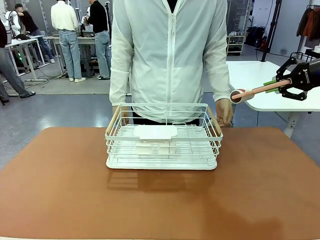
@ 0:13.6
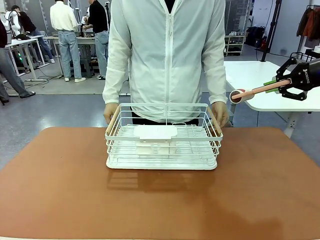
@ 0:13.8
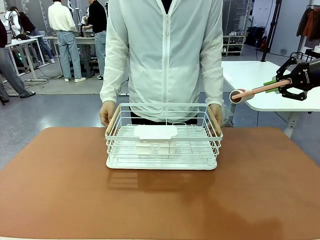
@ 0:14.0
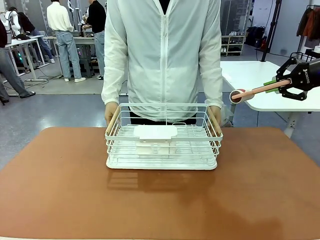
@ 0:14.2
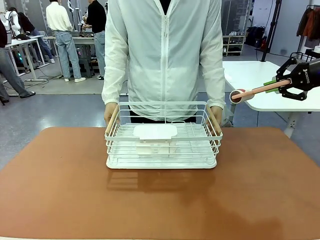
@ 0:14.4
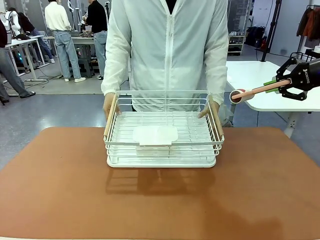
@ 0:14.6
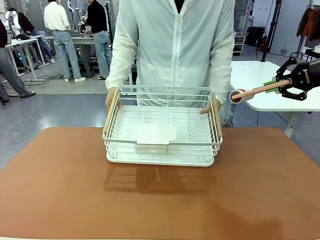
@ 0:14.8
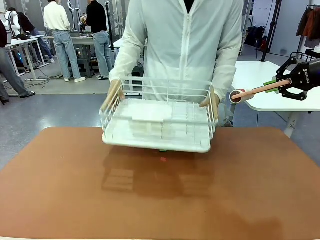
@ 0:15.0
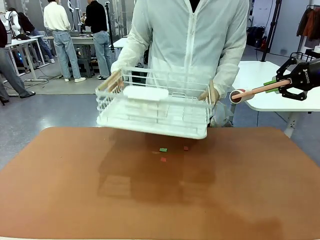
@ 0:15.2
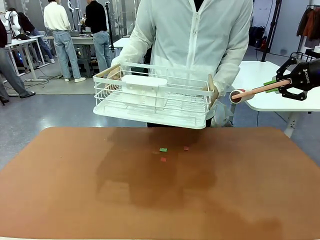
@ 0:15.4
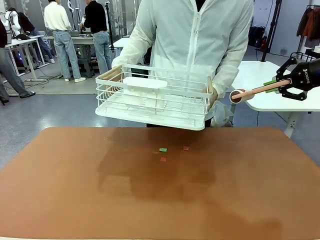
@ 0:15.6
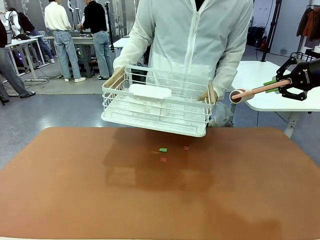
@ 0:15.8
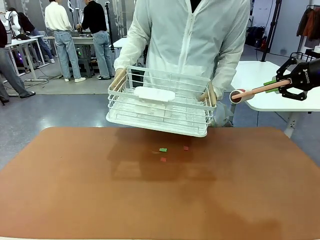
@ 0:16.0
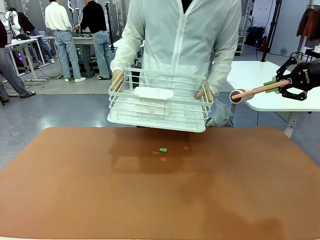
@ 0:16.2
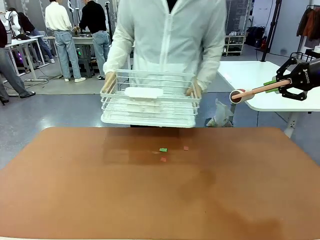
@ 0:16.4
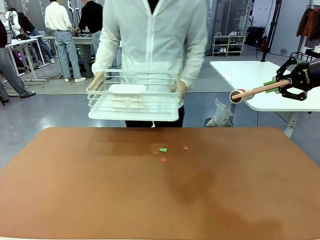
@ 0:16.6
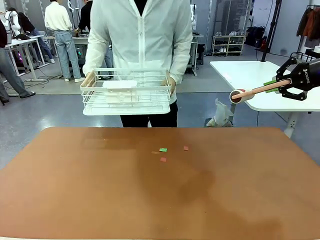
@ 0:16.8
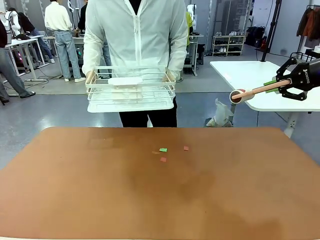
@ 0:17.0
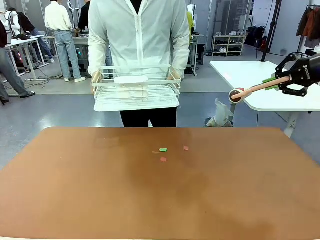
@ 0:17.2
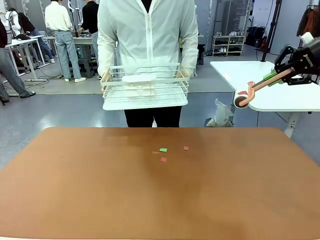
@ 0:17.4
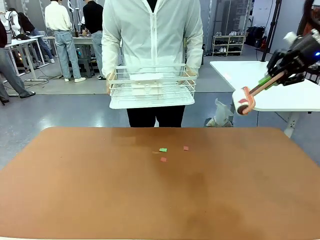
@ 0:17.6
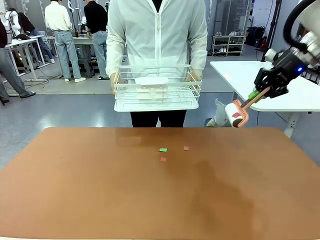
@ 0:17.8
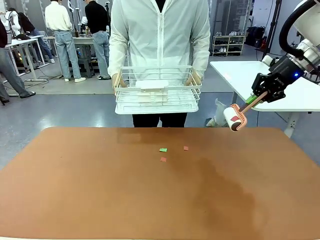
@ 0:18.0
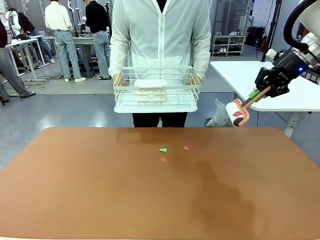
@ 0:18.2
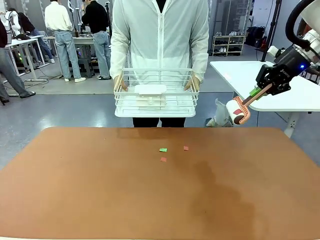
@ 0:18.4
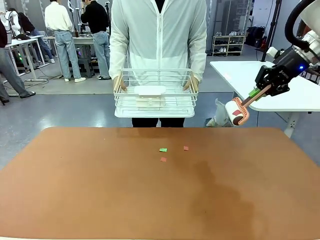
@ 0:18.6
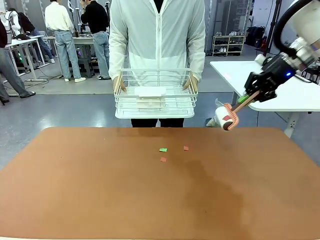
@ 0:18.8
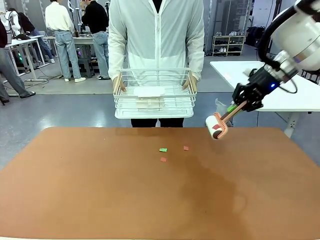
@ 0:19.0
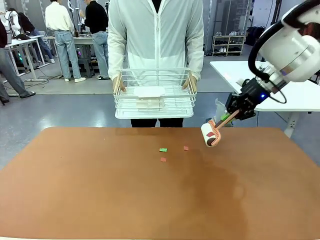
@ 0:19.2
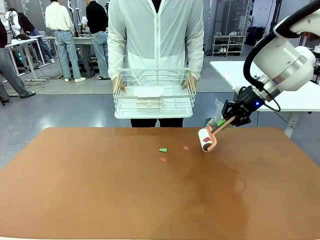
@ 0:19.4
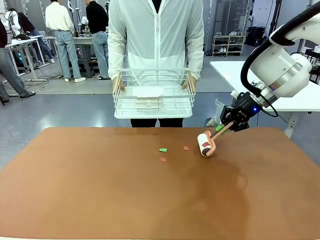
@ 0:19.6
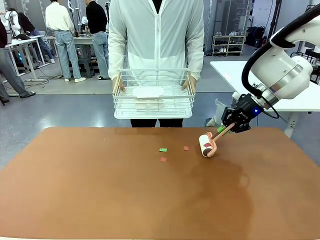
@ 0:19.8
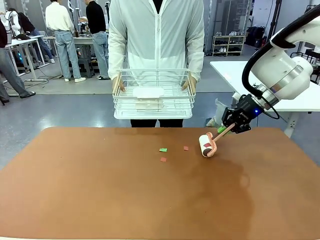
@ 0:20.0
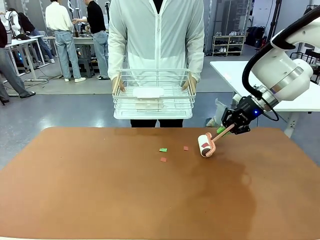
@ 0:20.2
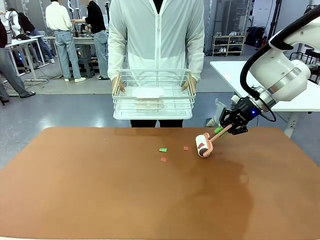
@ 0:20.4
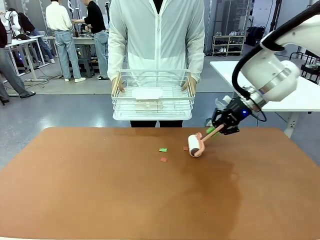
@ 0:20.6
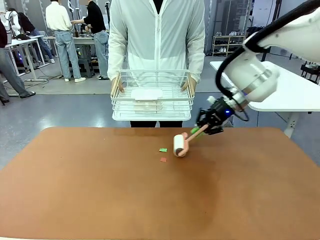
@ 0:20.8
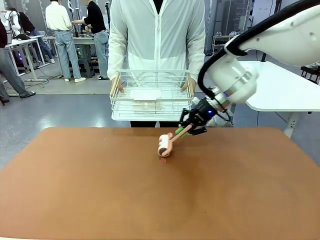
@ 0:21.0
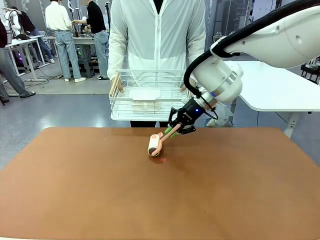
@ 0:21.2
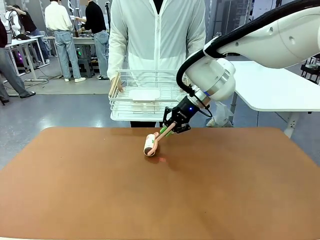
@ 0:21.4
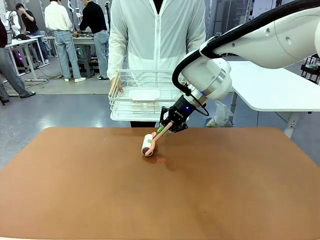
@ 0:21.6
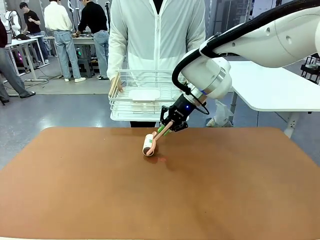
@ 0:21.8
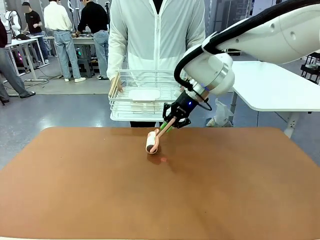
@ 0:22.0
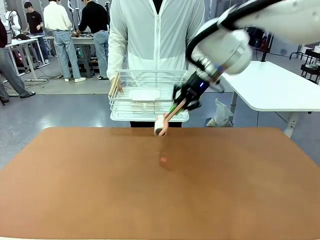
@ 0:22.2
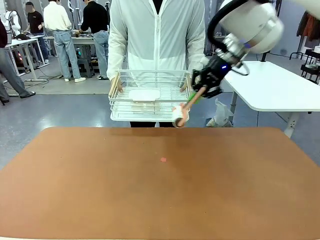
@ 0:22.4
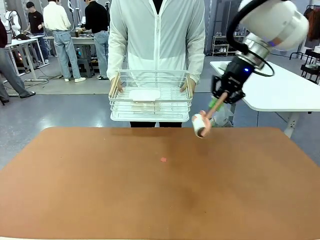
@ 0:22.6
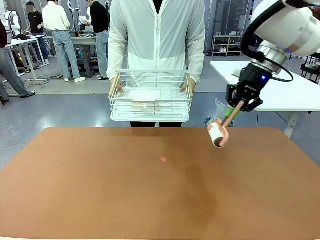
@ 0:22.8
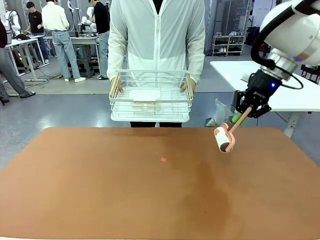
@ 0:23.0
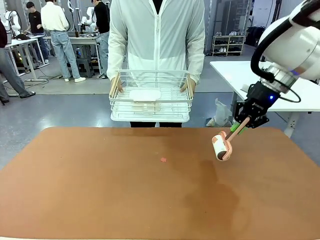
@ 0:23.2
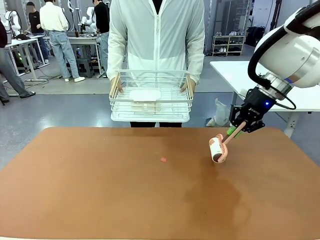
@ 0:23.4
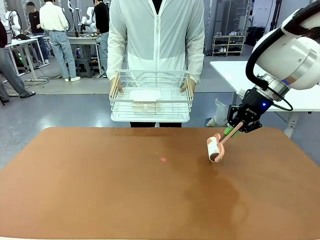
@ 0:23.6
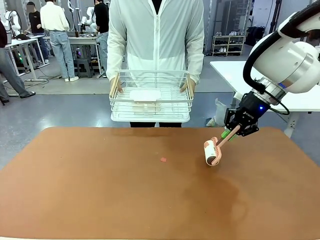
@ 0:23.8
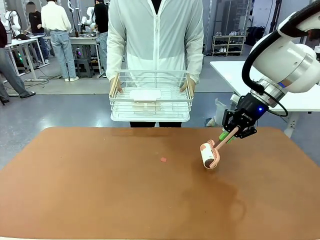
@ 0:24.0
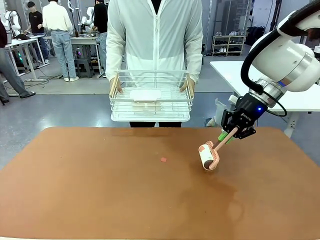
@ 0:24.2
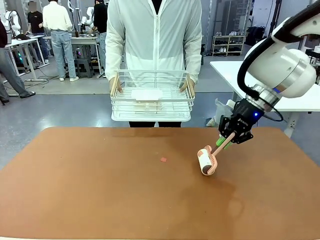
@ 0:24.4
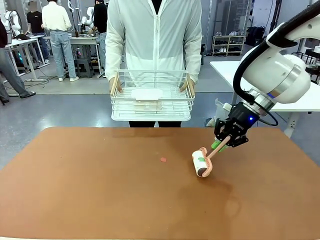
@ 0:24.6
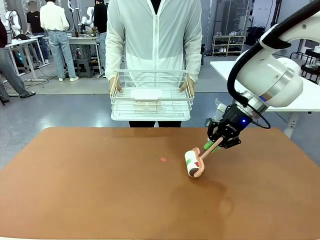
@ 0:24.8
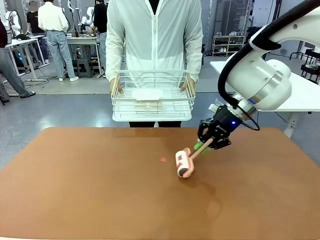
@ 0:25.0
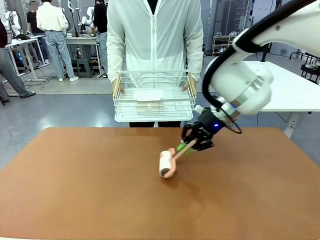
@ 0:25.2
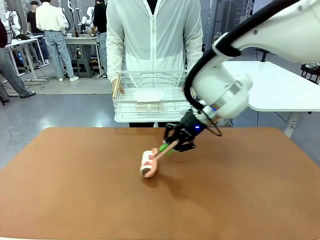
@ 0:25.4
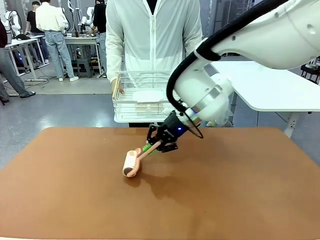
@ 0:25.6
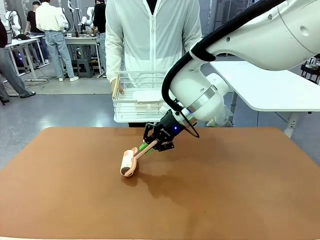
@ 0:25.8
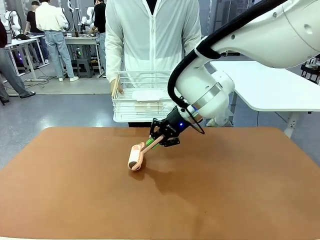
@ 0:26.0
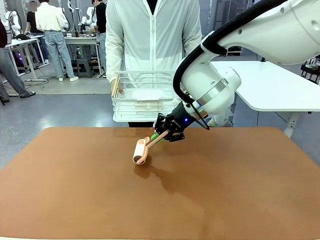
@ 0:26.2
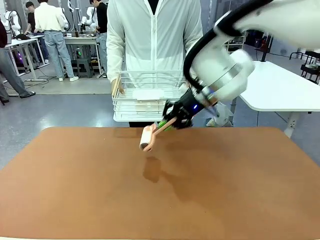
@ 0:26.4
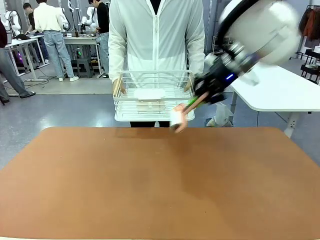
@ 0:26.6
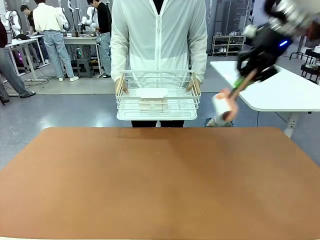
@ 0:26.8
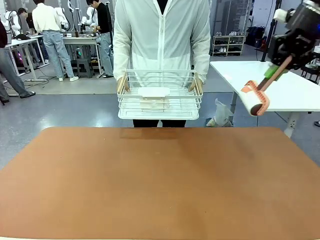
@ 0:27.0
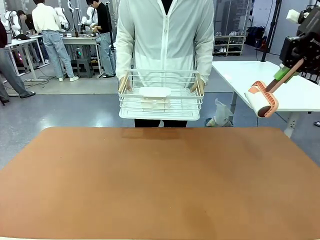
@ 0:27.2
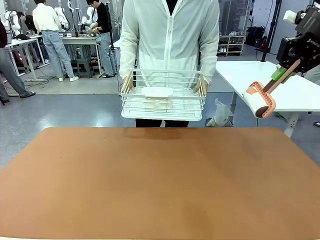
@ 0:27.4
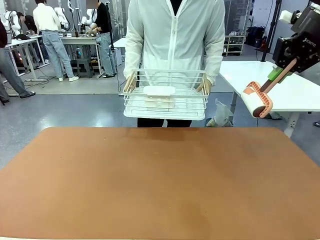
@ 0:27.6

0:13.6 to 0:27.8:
Task: Clean the table.
Robot: Clean the table with the Lint Roller when the human lifts the Dish drying rack.
Person: Place the Dish drying rack down when the robot finishes cleaning.

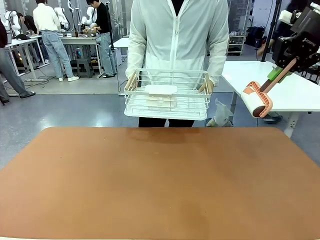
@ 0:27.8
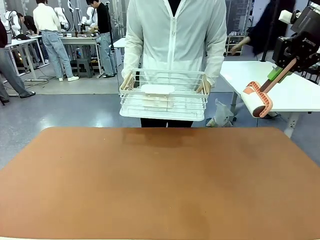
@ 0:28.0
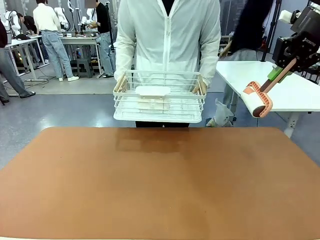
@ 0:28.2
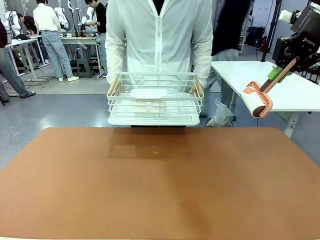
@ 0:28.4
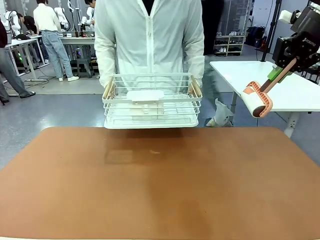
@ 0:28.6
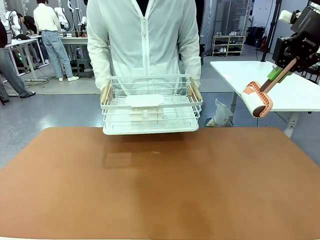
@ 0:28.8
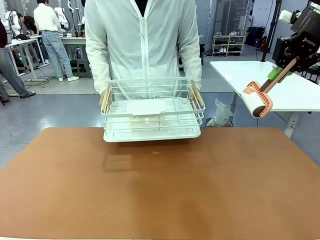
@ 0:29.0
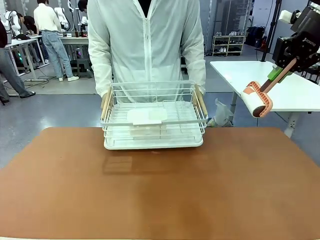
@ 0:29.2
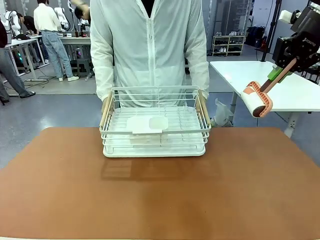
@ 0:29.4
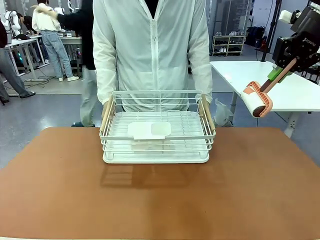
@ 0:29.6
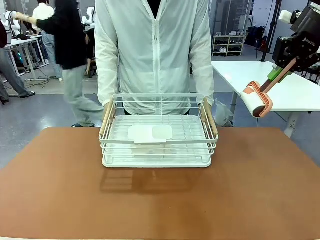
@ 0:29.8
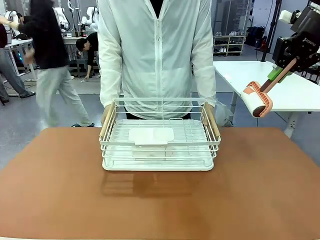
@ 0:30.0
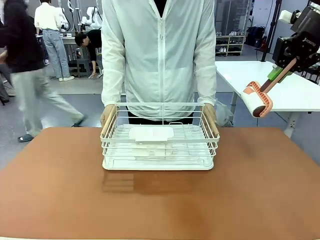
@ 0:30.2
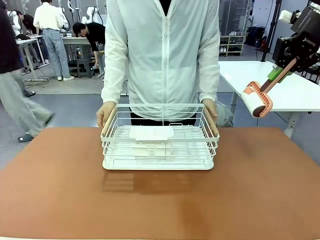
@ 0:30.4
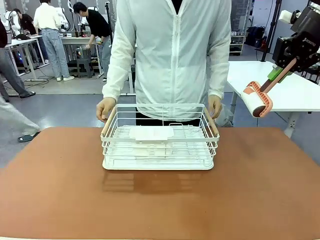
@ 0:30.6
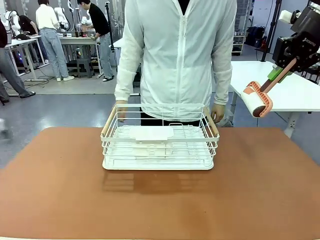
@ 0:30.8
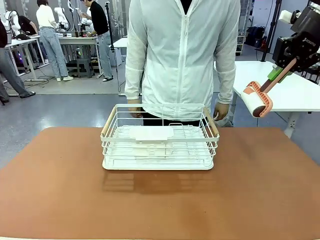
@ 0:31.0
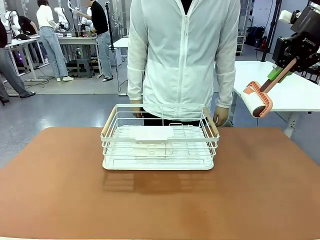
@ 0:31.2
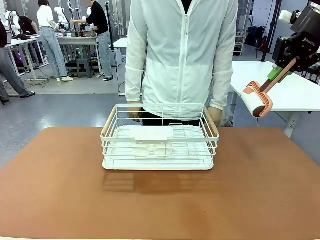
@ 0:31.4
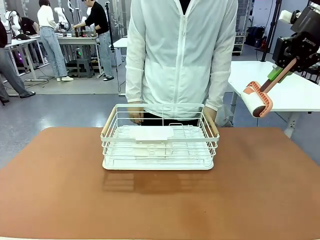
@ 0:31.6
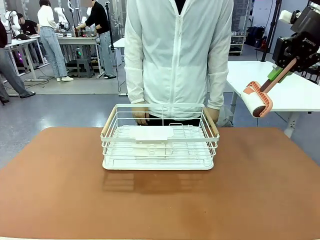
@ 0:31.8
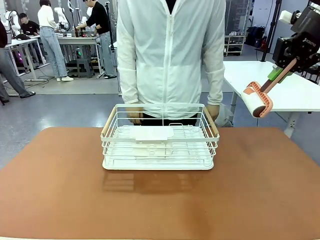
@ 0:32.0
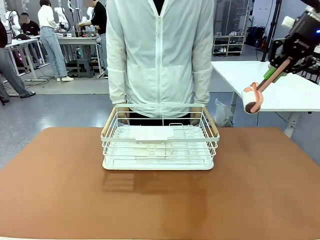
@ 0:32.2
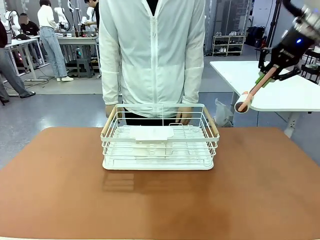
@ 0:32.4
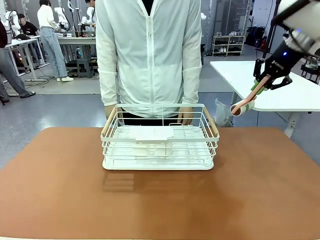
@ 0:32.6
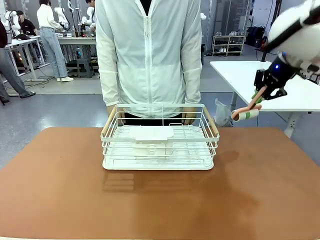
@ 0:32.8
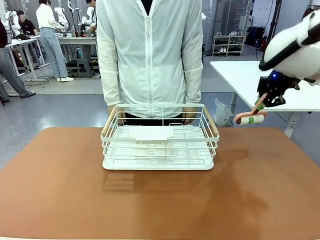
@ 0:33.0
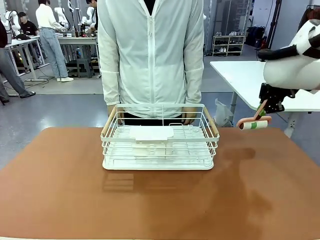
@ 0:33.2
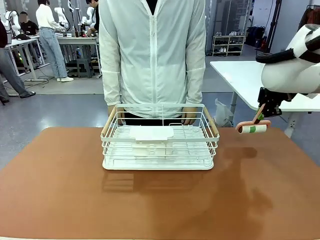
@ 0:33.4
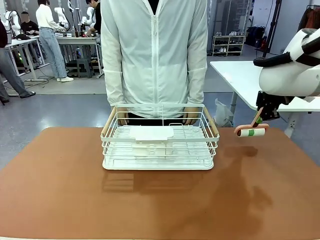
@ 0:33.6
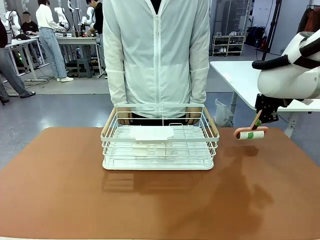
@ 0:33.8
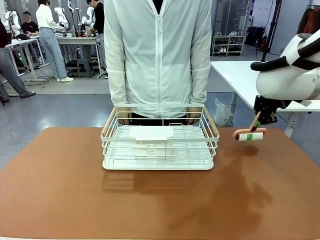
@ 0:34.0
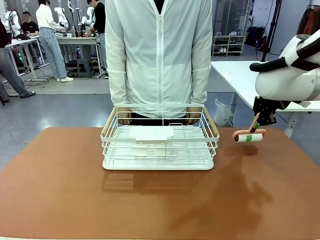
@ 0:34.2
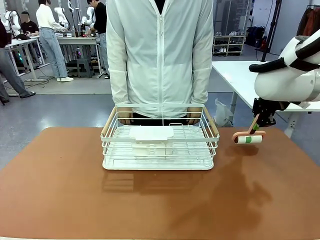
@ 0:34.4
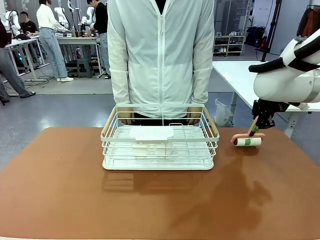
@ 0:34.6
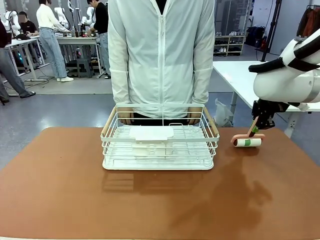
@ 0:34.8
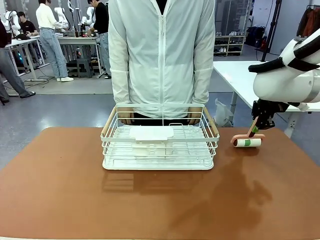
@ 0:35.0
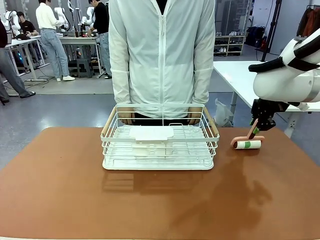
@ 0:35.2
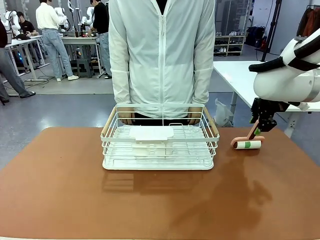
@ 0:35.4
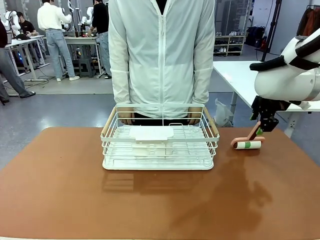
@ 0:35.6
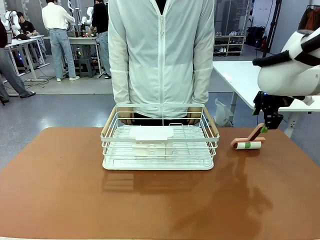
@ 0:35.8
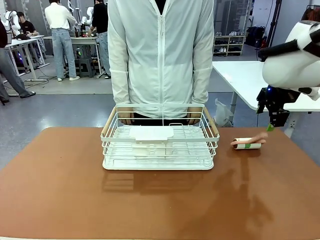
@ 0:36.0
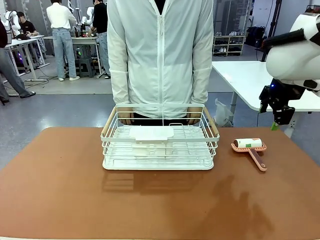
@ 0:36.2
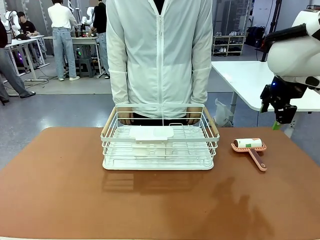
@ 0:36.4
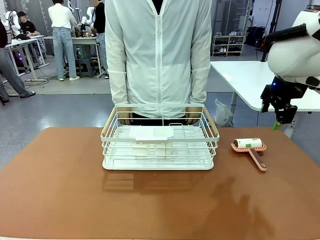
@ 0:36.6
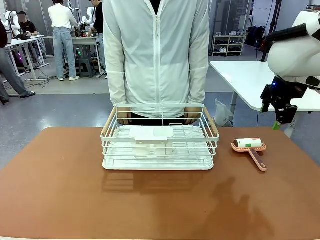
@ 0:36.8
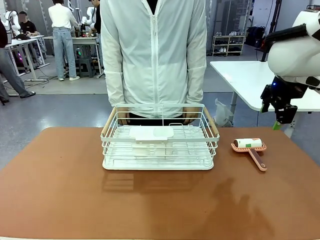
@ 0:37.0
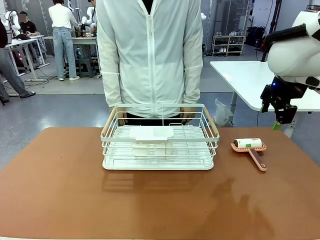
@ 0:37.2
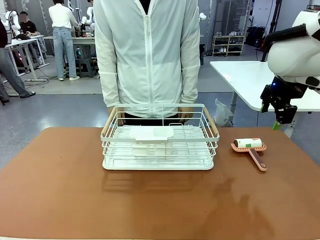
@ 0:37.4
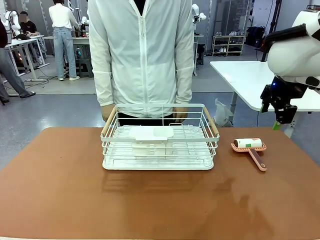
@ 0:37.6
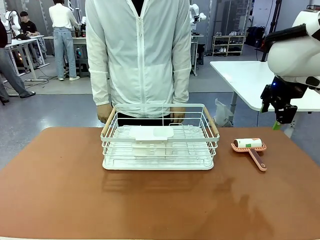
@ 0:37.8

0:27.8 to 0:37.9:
Robot: Place the Lint Roller down when the Dish drying rack is positioned in the middle of the table.
